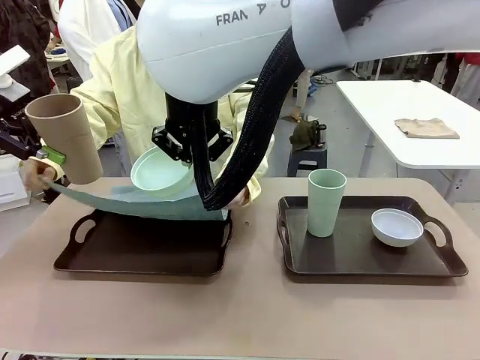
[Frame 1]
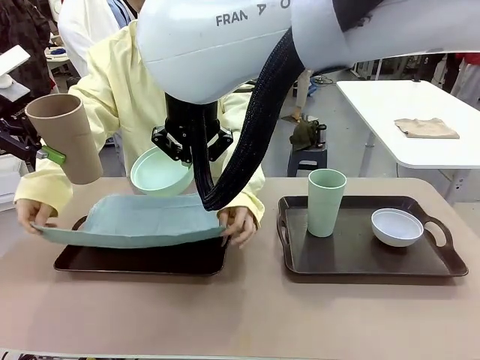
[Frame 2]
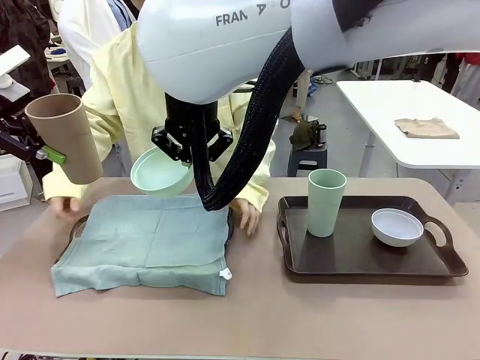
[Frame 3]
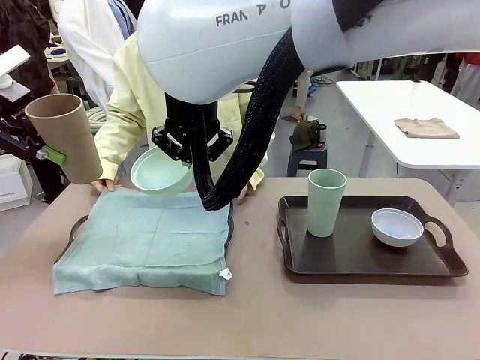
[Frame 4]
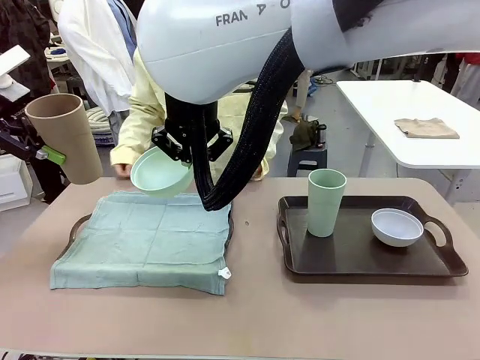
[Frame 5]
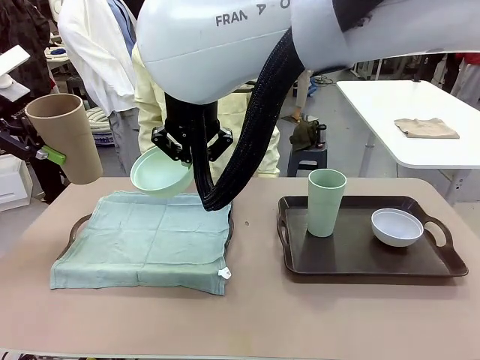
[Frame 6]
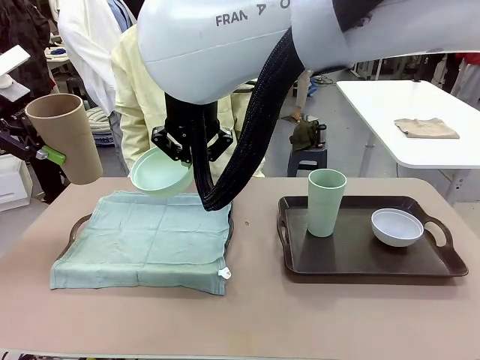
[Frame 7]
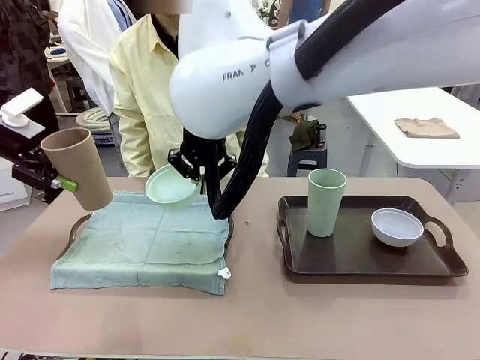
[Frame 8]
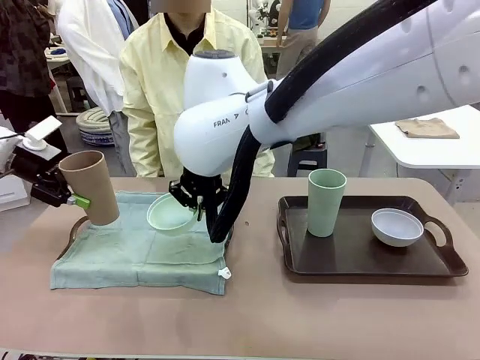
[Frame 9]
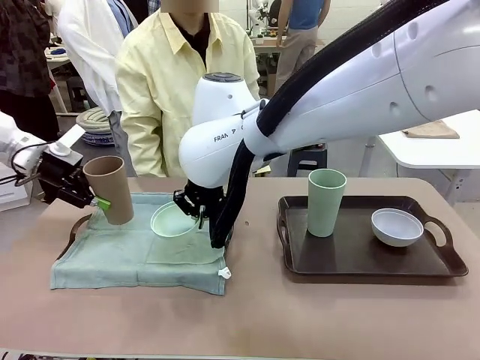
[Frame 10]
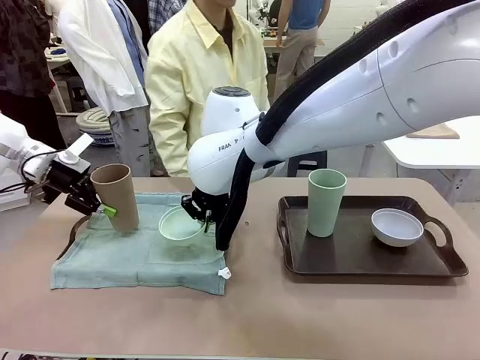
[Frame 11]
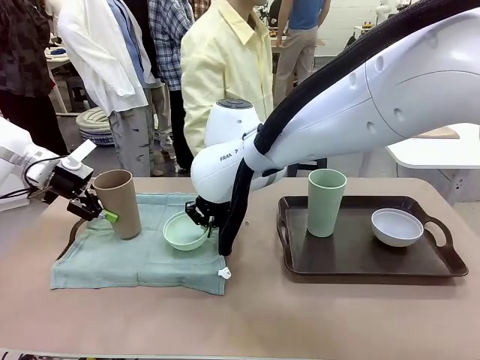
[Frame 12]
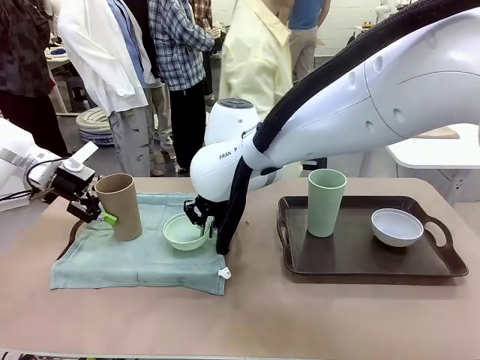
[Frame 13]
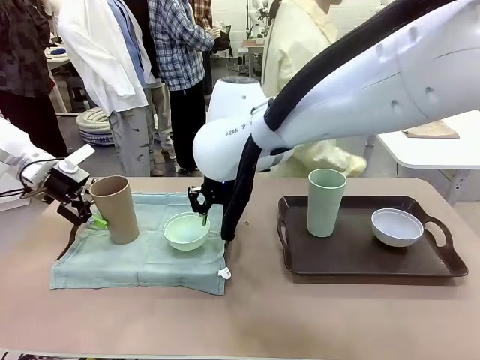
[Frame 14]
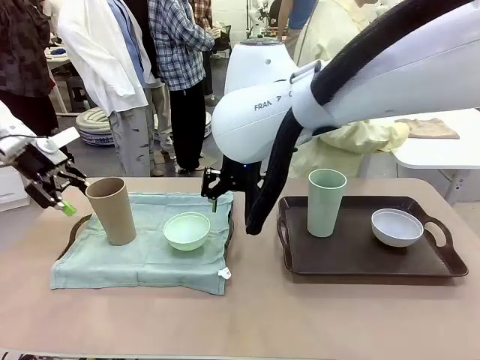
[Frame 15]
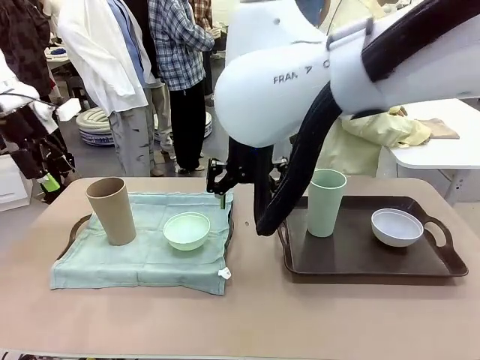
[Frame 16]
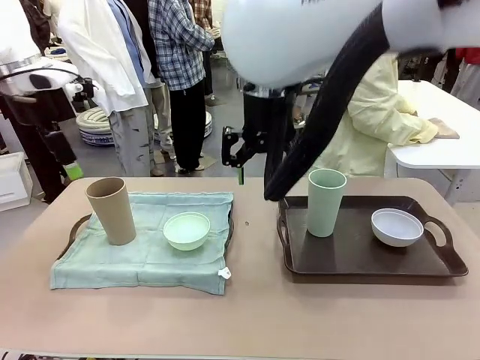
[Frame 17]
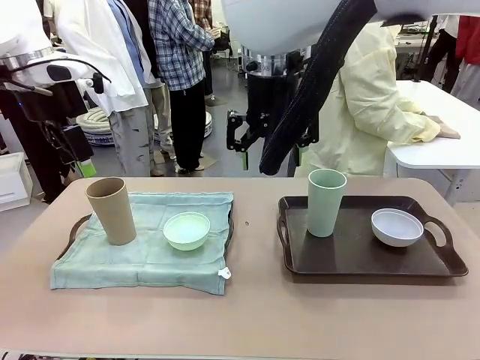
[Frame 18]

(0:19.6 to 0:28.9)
Robot: Place the Picnic Bowl and Reusable plastic cup back onto the Handle tray in front of the human's position.
Person: The human returns to the human table to pick up another napkin and walks to the robot table to stand in front of the tray without a napkin.

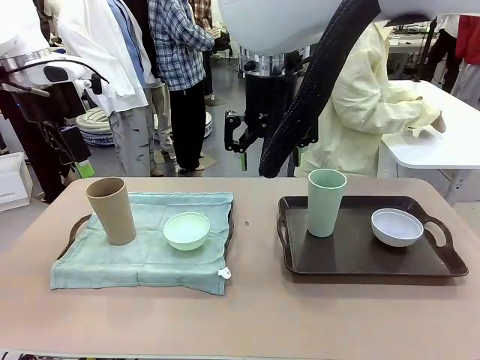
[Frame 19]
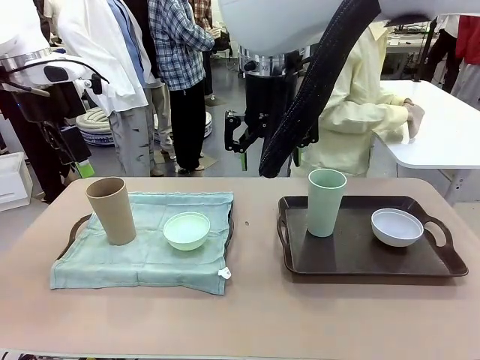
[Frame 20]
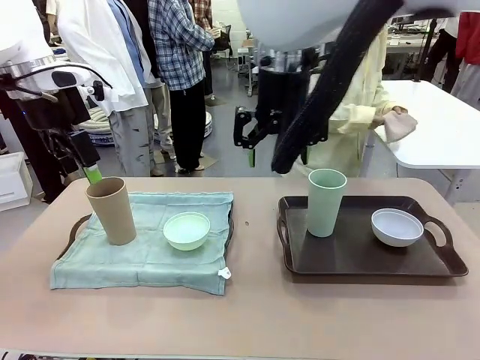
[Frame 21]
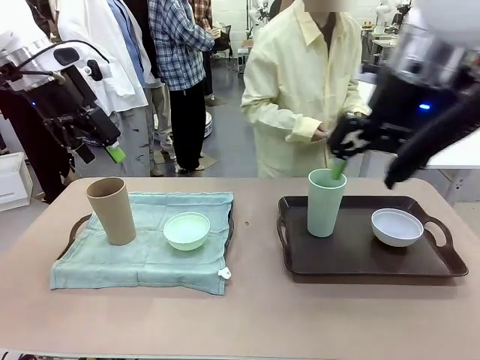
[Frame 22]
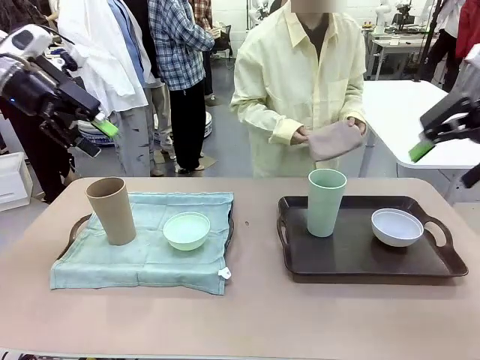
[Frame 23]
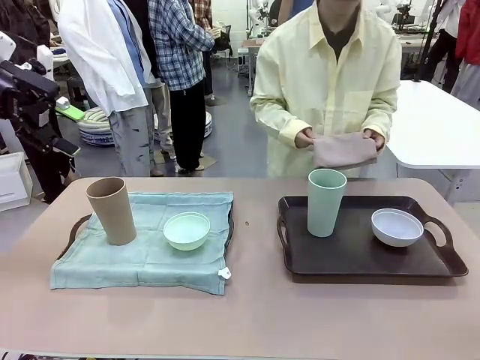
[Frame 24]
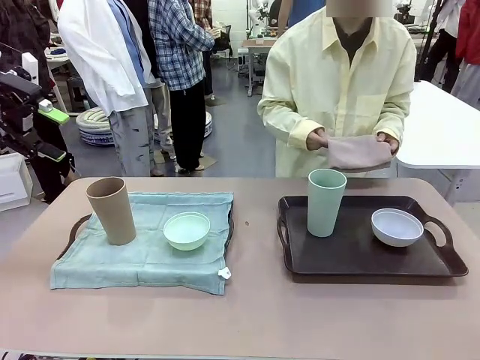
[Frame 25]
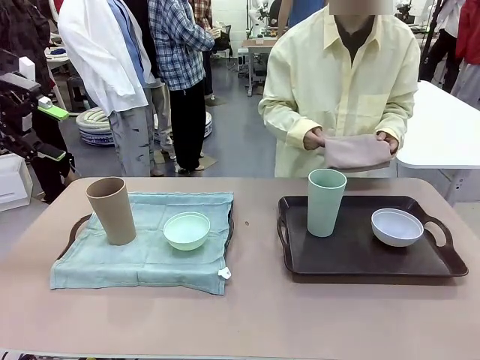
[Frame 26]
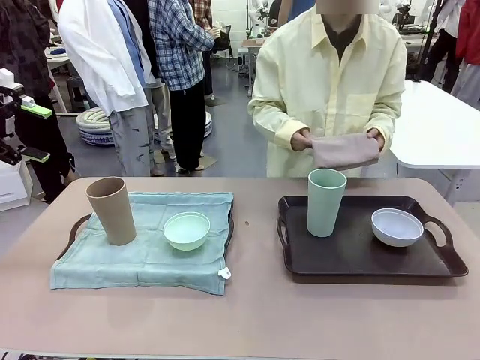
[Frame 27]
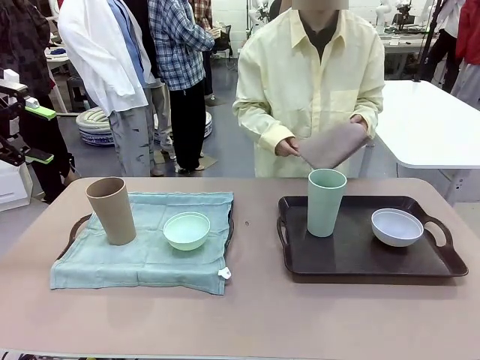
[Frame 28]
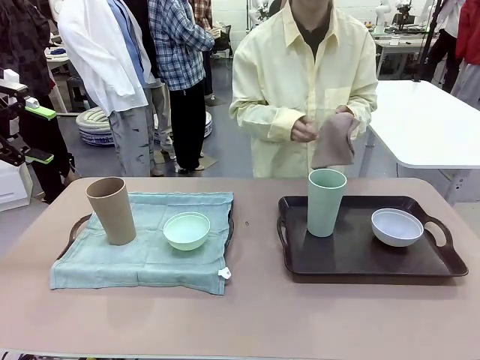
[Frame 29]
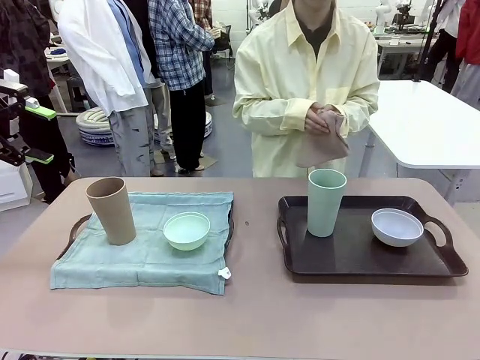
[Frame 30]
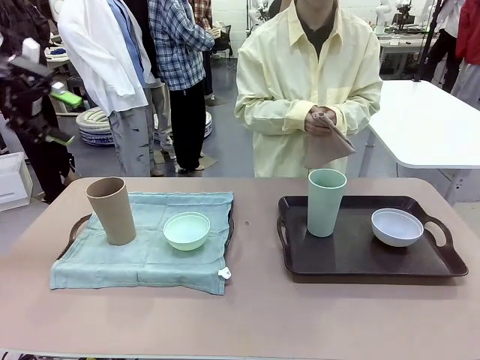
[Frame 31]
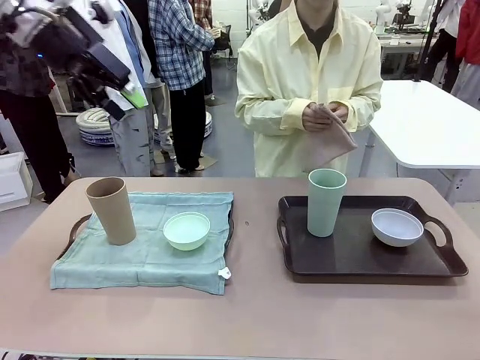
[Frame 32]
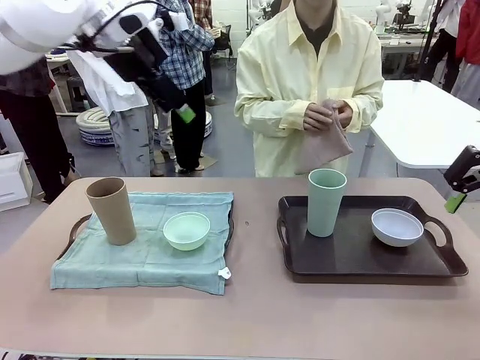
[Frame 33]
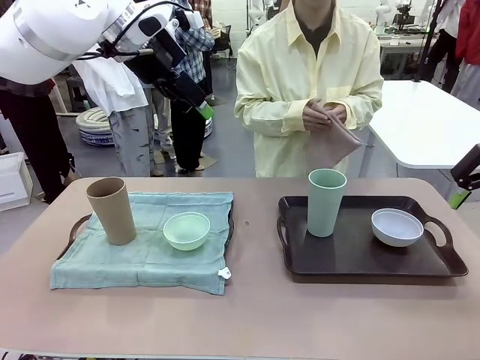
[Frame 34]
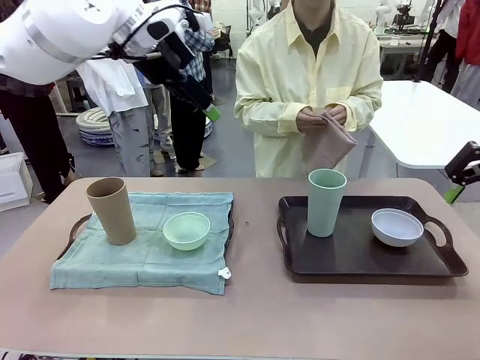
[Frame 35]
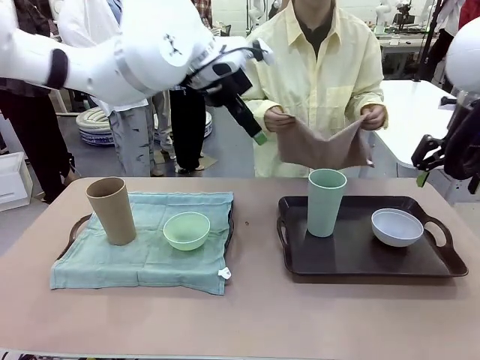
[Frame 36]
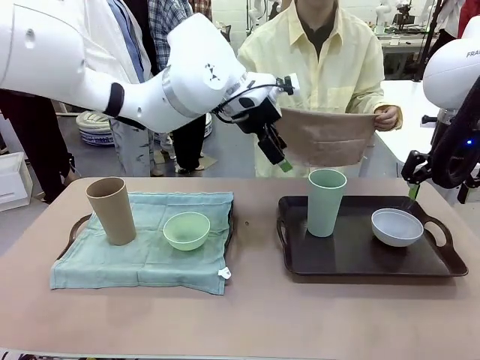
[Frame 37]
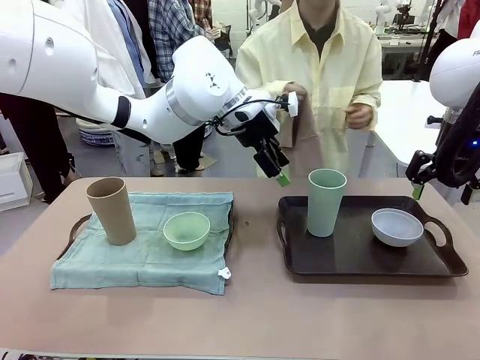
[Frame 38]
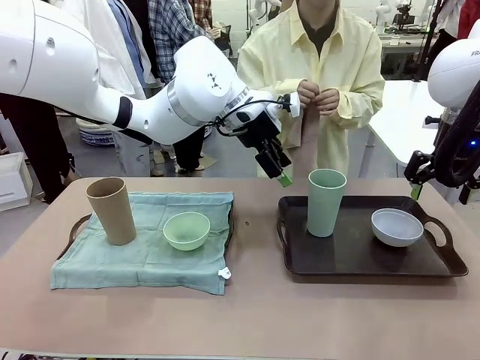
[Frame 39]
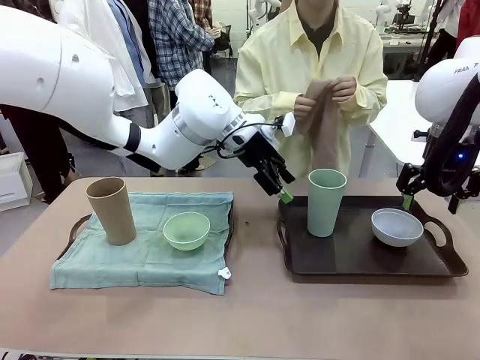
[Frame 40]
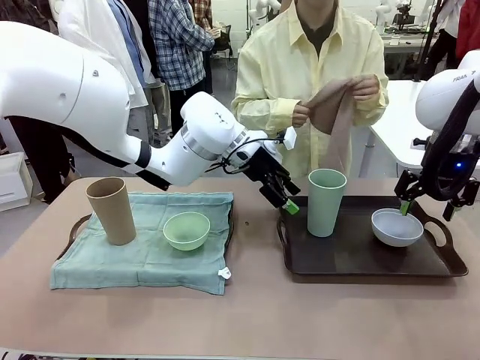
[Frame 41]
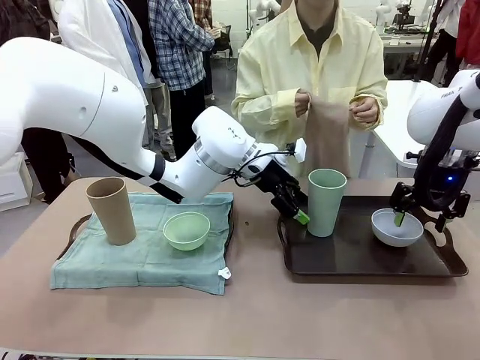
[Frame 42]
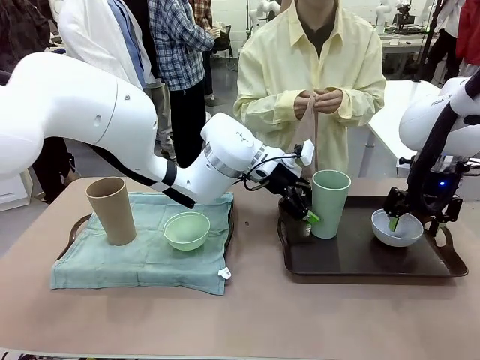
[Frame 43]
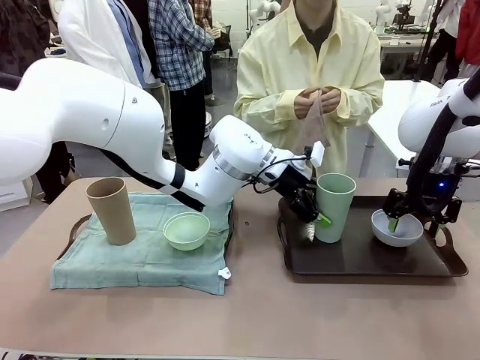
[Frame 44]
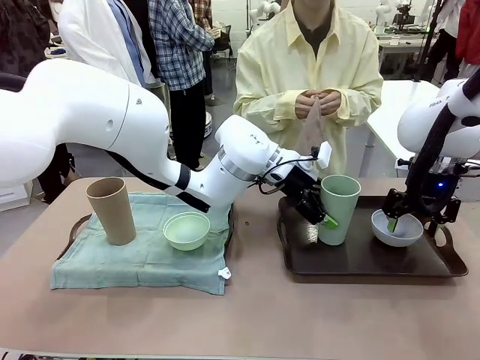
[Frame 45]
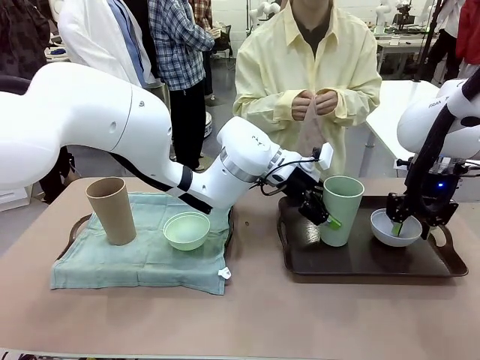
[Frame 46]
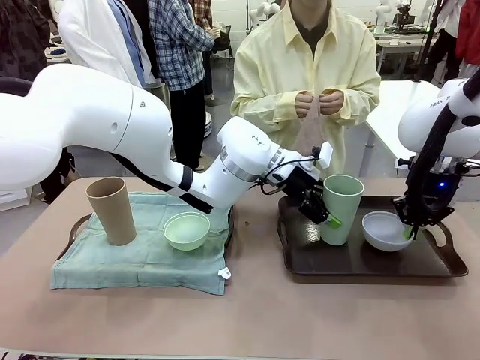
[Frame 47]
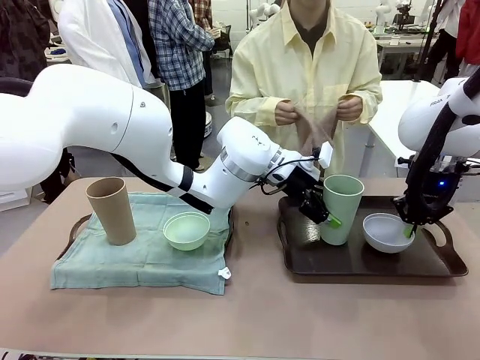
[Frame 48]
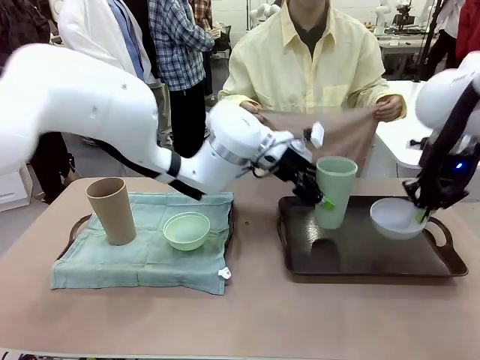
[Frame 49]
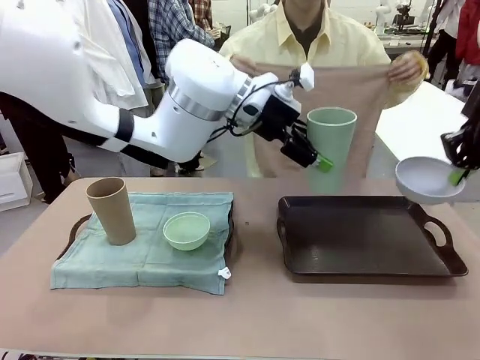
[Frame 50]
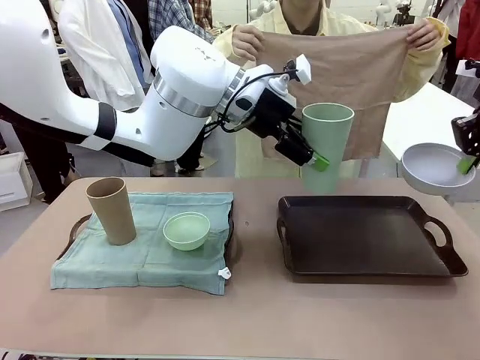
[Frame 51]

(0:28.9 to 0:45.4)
Robot: Pick up the Picnic Bowl and Reusable plastic cup from the Handle tray in front of the human's position and hold them in the air.
